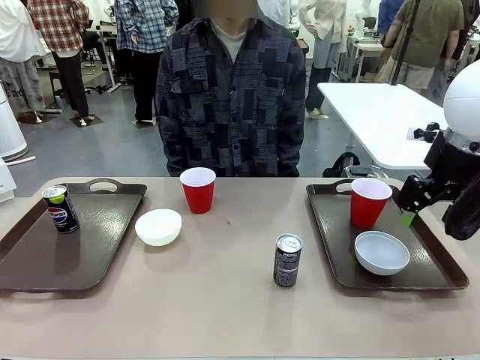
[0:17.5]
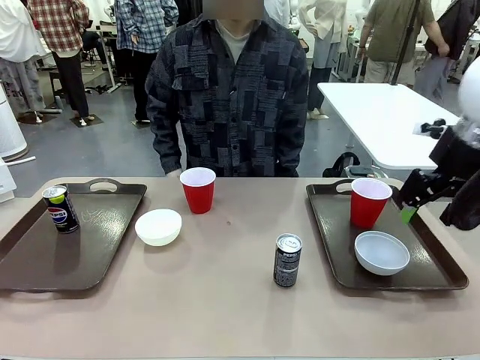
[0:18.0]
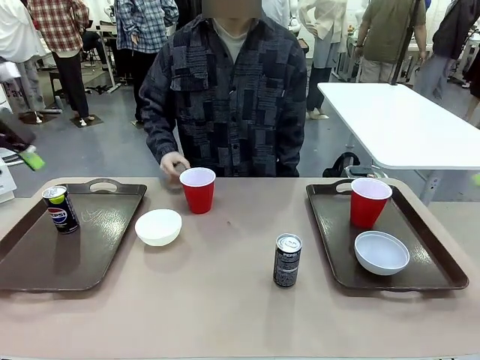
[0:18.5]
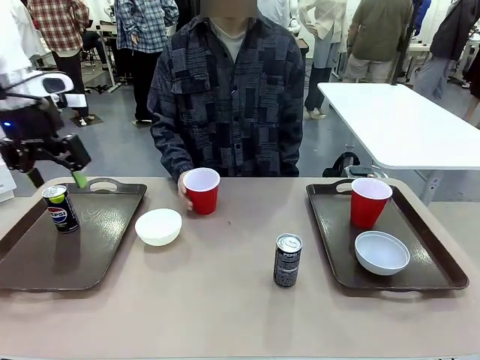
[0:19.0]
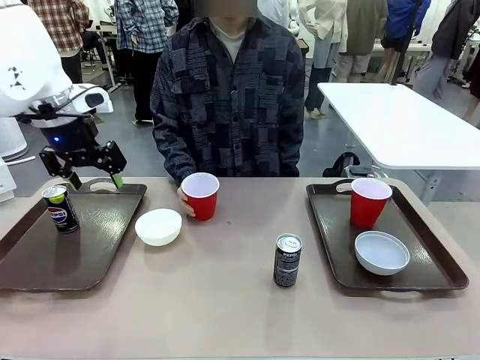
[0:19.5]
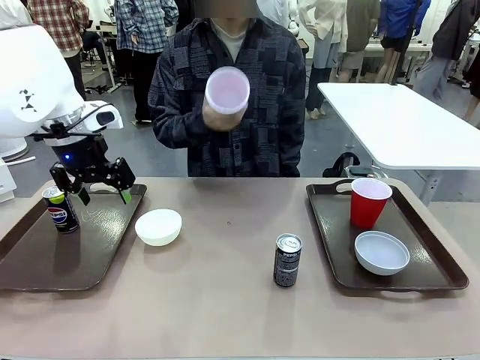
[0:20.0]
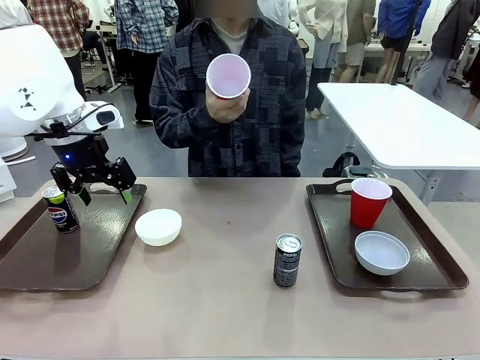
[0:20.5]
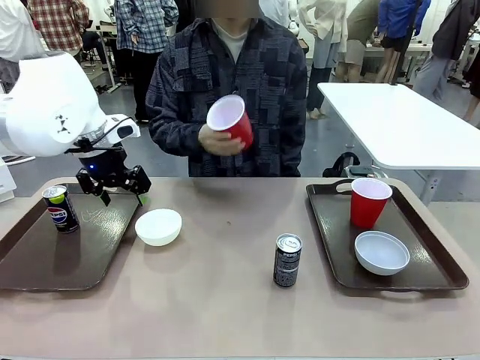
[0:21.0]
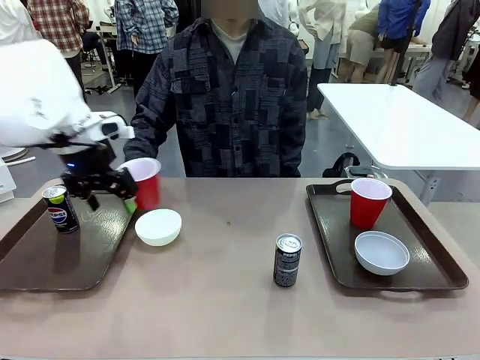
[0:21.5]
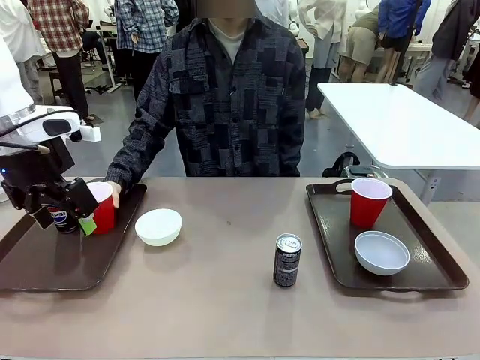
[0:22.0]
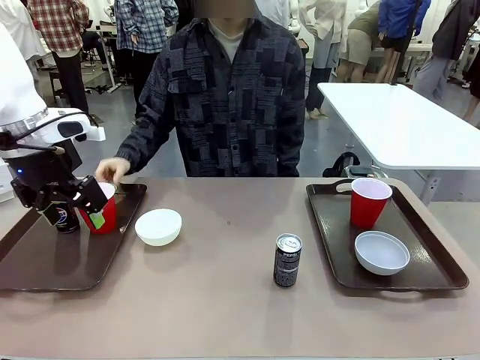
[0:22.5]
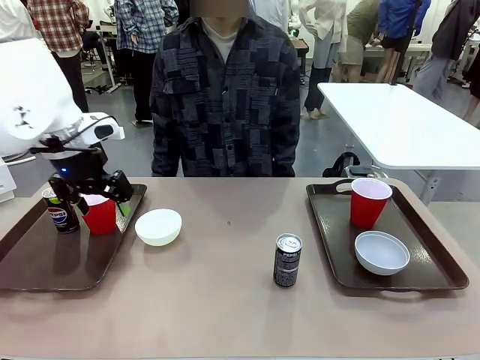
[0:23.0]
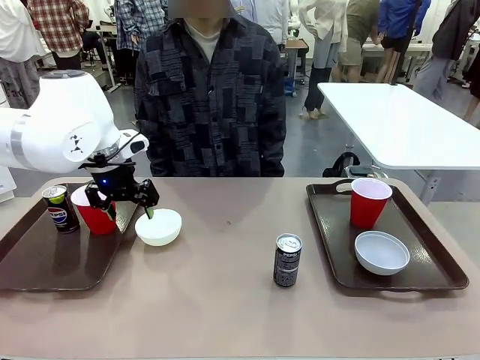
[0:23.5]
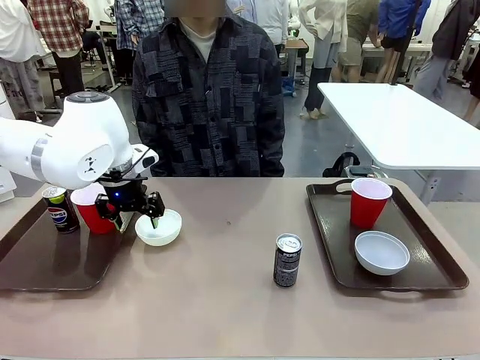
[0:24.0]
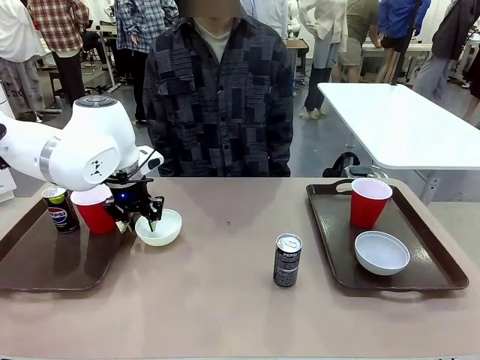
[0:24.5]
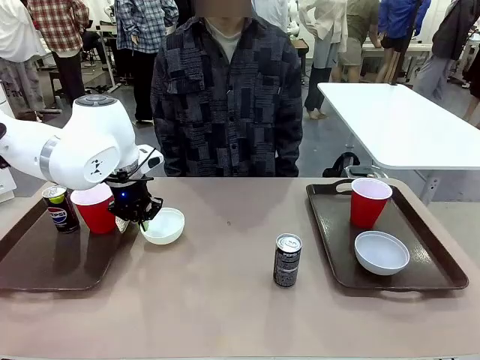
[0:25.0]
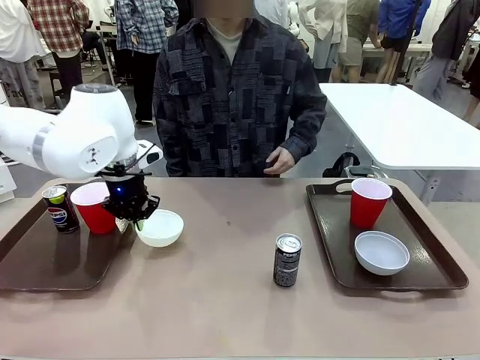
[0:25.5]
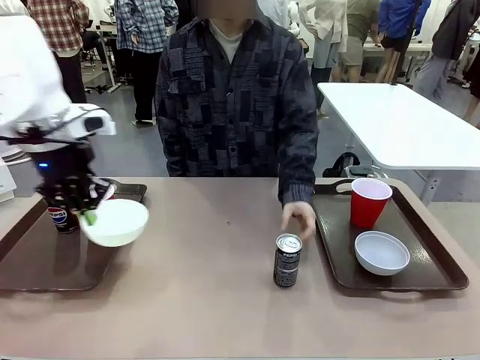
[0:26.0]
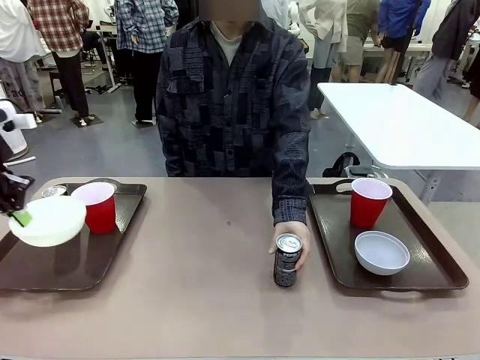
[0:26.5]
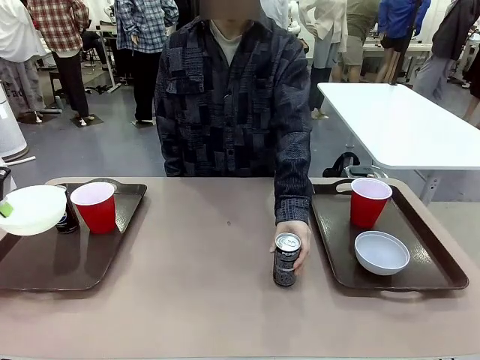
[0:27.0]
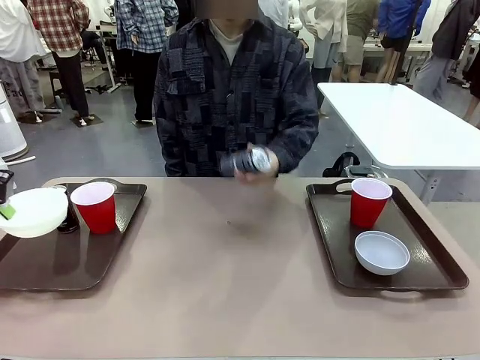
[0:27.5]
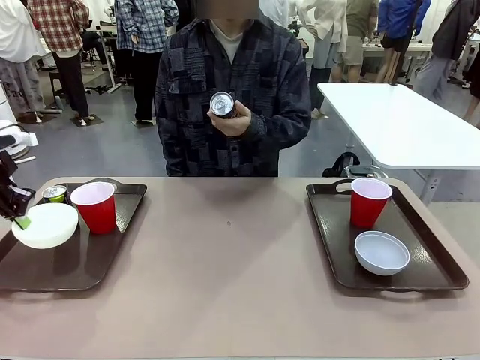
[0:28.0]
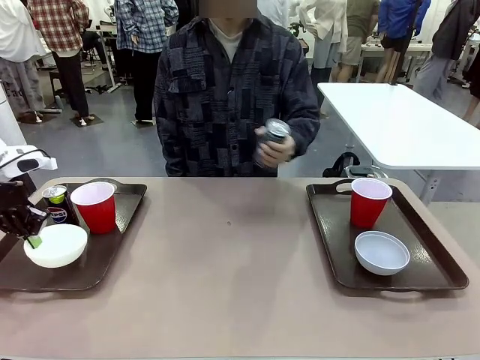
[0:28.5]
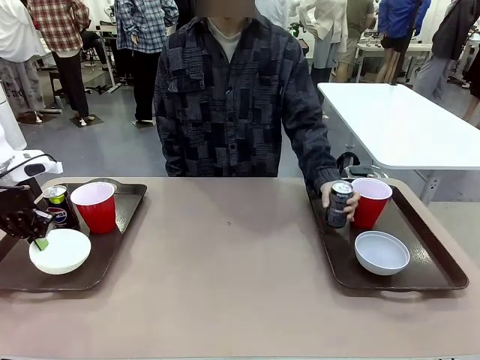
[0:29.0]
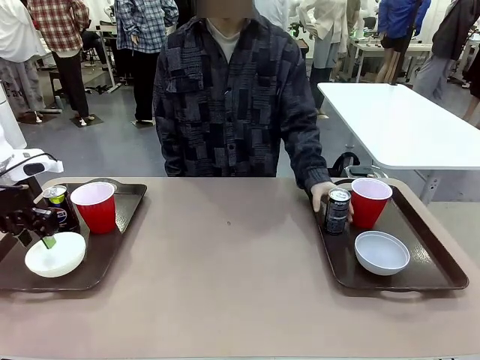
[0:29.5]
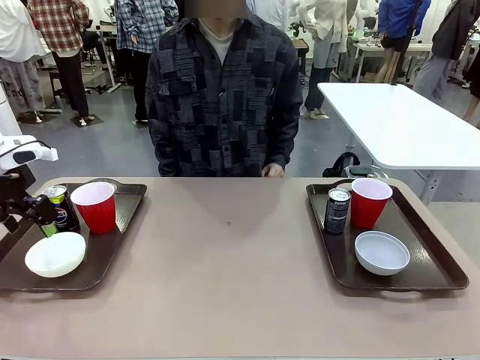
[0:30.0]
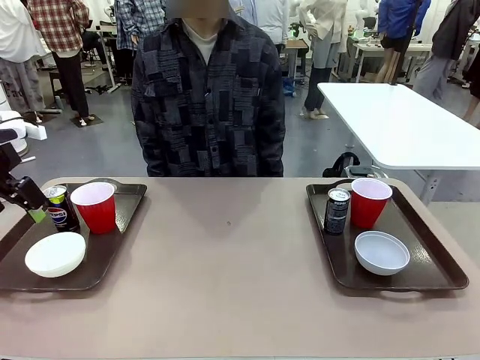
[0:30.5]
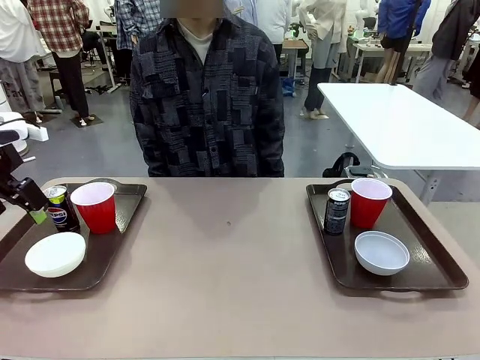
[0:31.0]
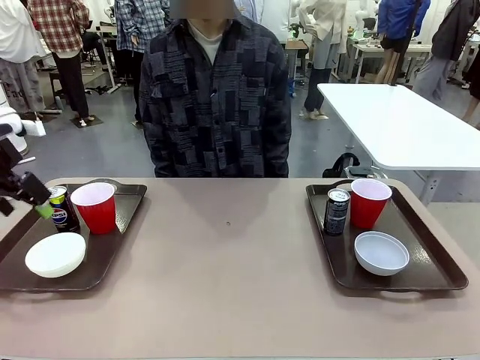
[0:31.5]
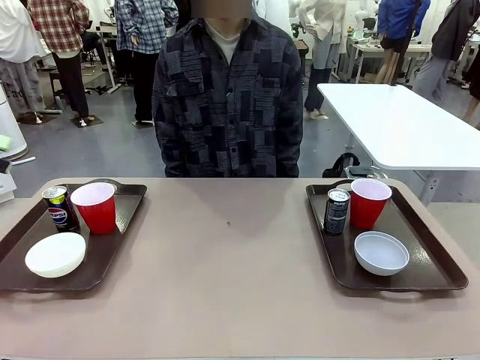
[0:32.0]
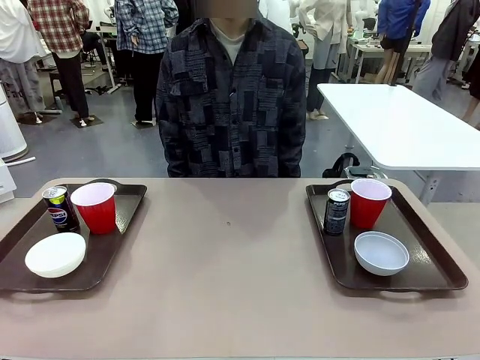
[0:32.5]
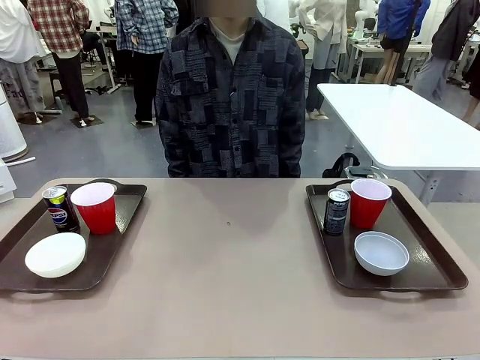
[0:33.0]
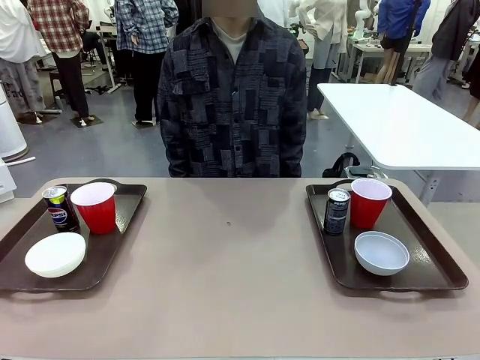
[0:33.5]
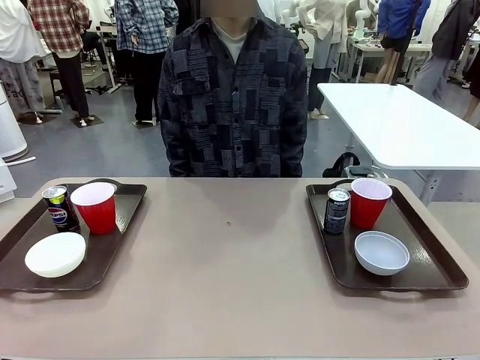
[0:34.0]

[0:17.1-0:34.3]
Task: Prepare tableware on both trays.
Robot: Pick up a Picnic Bowl from the table and place it on a Handle tray.
Person: Pick up a can or cup and place it on the tray without a can or cup.
